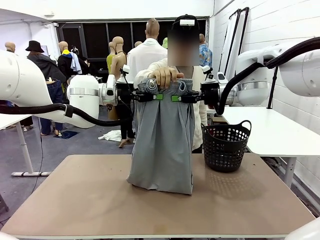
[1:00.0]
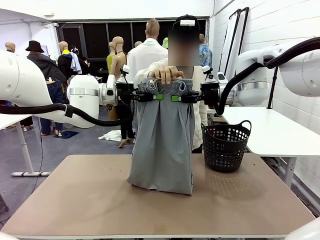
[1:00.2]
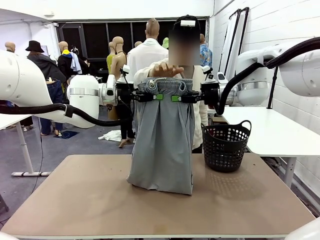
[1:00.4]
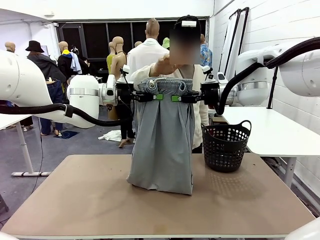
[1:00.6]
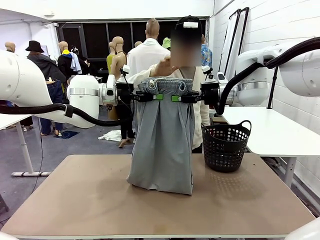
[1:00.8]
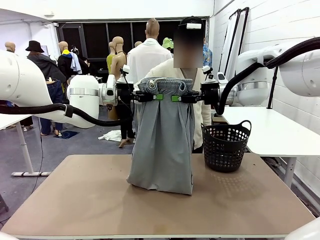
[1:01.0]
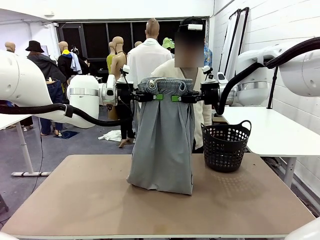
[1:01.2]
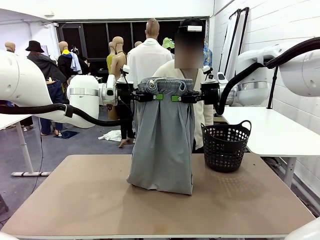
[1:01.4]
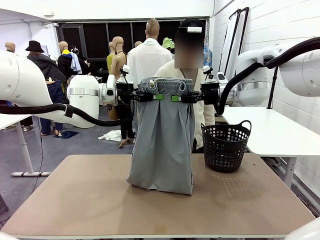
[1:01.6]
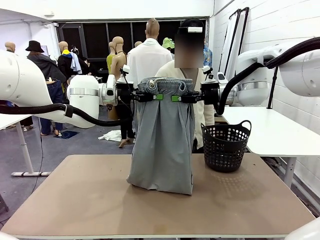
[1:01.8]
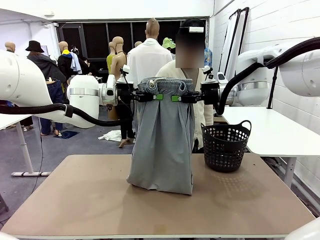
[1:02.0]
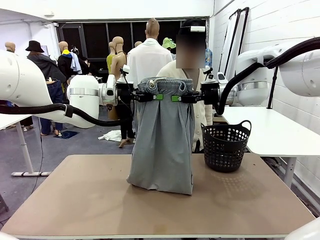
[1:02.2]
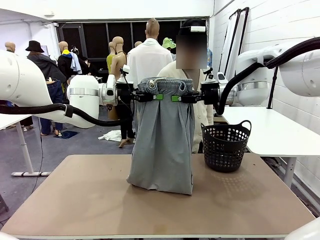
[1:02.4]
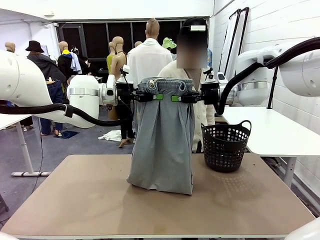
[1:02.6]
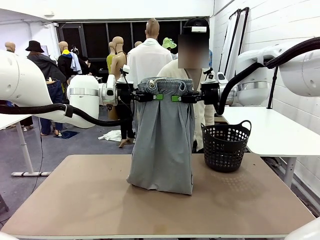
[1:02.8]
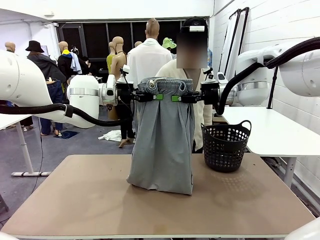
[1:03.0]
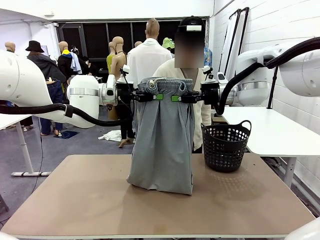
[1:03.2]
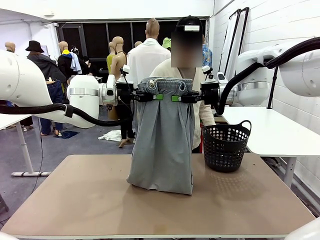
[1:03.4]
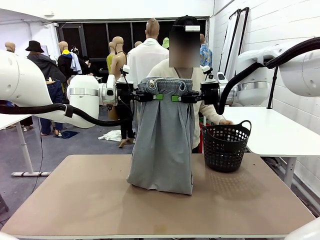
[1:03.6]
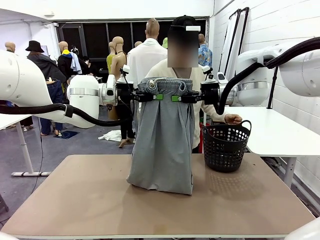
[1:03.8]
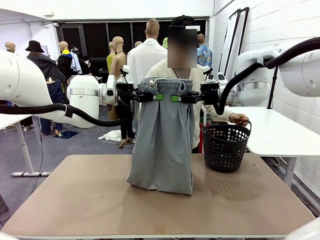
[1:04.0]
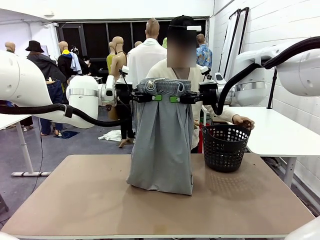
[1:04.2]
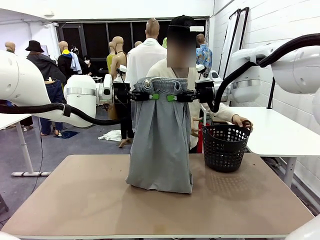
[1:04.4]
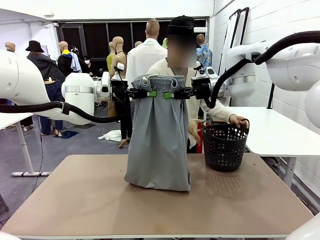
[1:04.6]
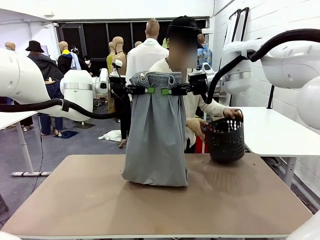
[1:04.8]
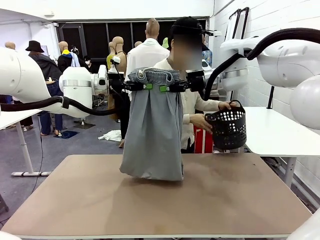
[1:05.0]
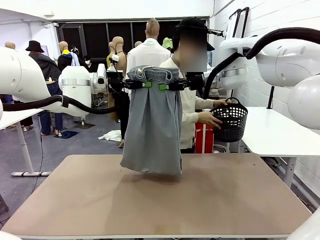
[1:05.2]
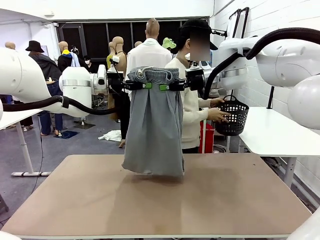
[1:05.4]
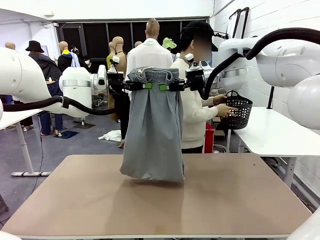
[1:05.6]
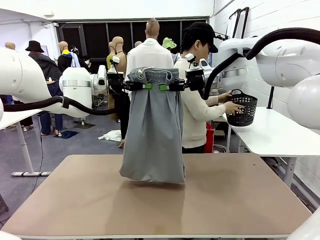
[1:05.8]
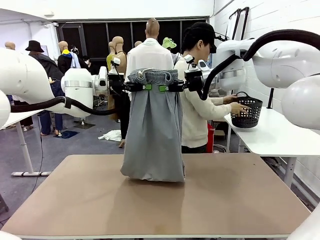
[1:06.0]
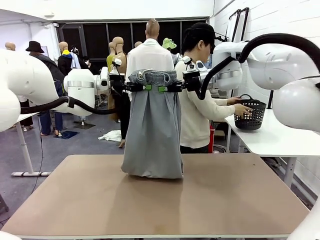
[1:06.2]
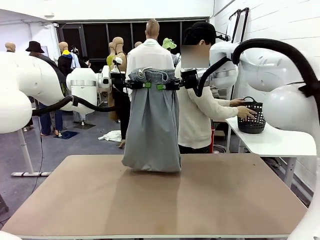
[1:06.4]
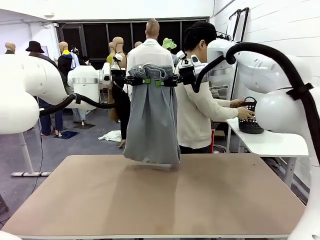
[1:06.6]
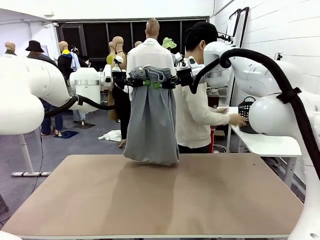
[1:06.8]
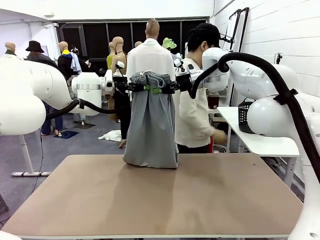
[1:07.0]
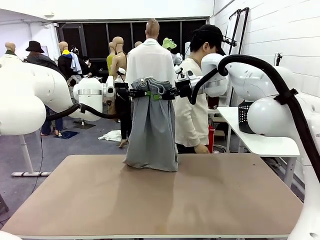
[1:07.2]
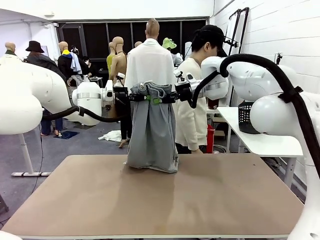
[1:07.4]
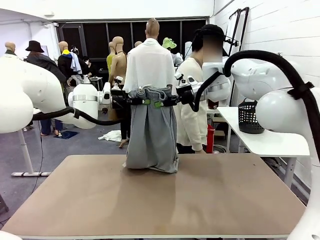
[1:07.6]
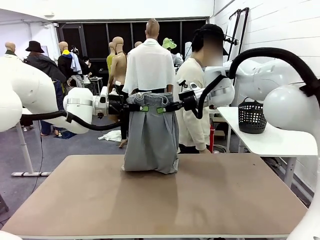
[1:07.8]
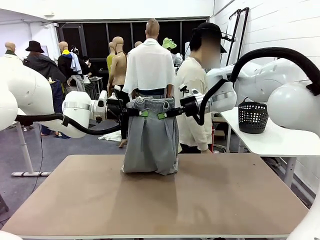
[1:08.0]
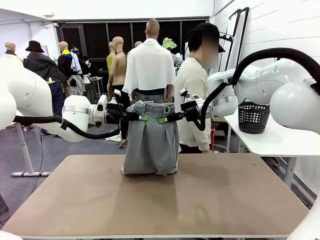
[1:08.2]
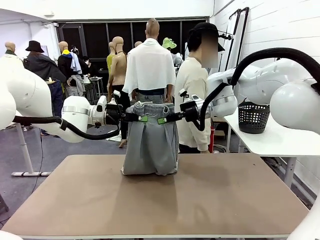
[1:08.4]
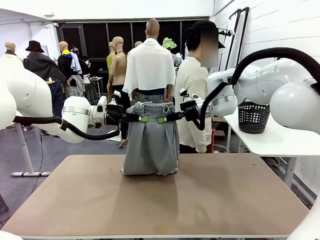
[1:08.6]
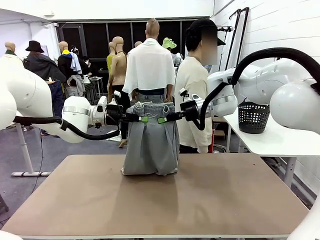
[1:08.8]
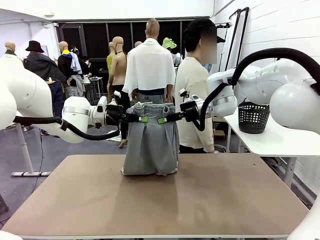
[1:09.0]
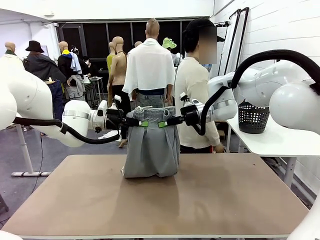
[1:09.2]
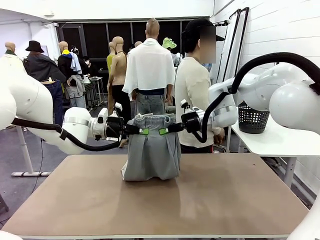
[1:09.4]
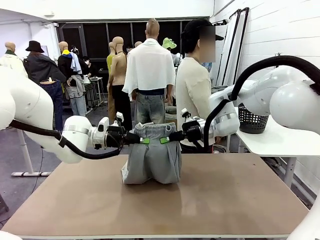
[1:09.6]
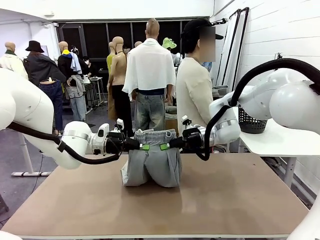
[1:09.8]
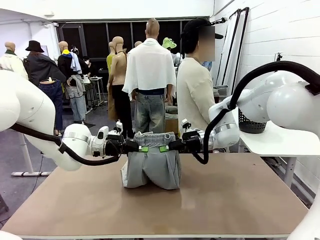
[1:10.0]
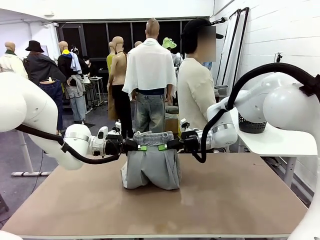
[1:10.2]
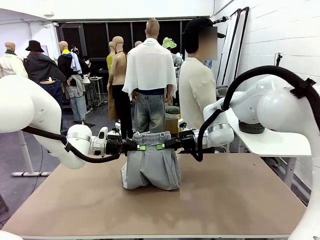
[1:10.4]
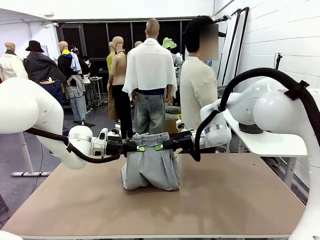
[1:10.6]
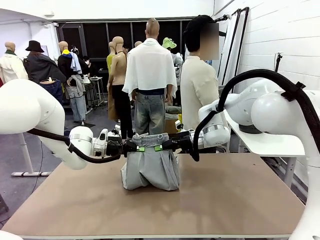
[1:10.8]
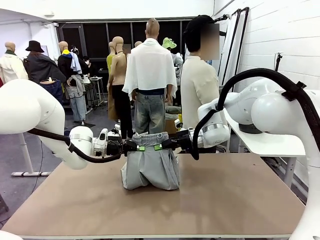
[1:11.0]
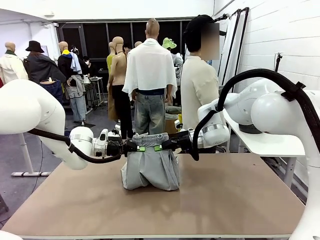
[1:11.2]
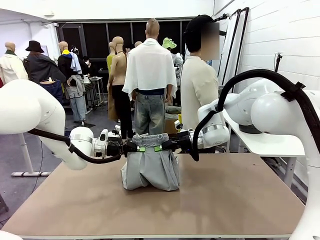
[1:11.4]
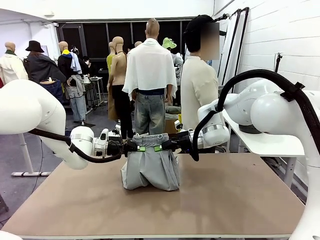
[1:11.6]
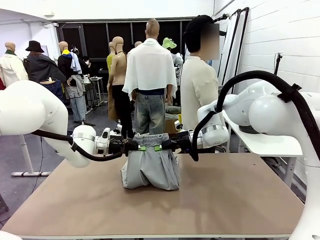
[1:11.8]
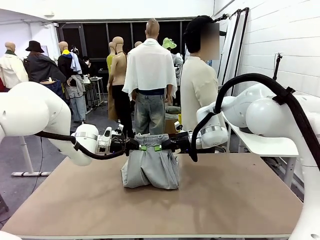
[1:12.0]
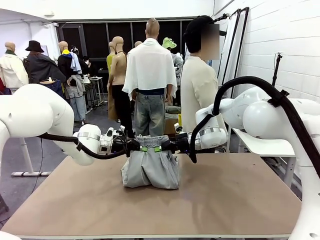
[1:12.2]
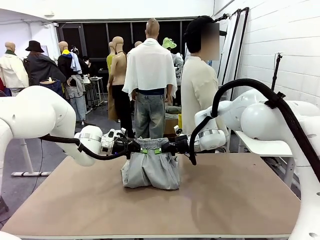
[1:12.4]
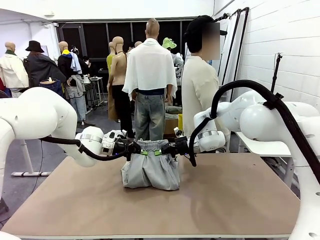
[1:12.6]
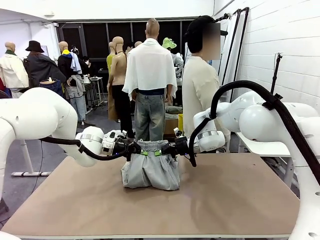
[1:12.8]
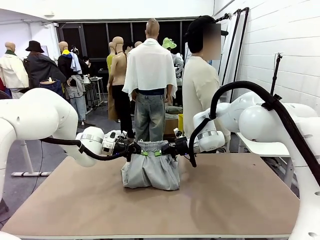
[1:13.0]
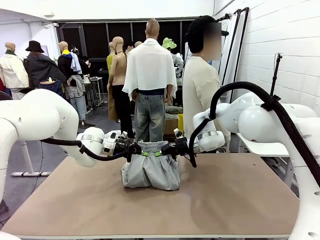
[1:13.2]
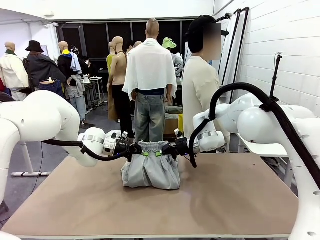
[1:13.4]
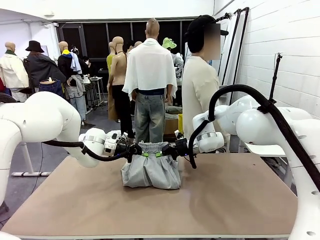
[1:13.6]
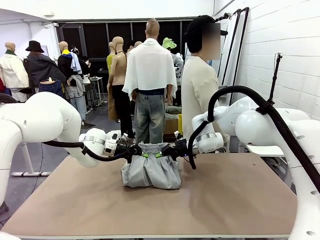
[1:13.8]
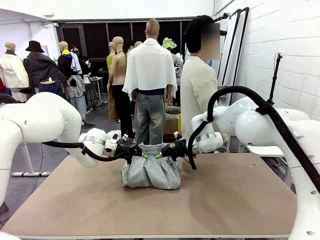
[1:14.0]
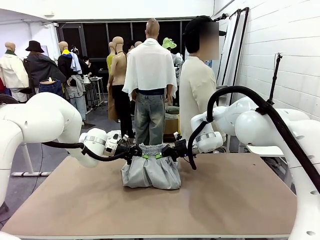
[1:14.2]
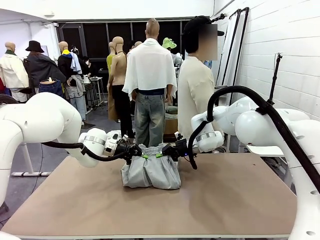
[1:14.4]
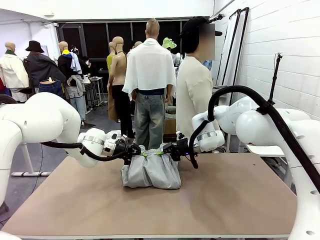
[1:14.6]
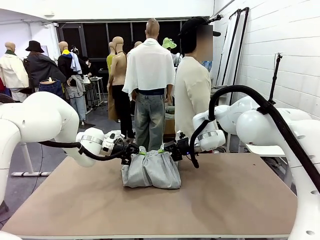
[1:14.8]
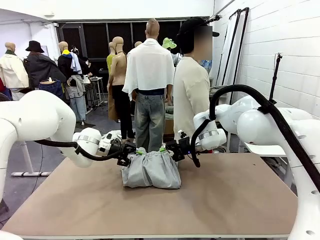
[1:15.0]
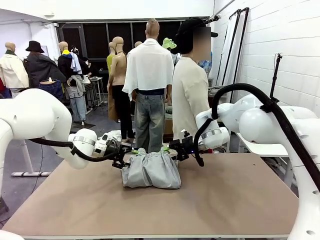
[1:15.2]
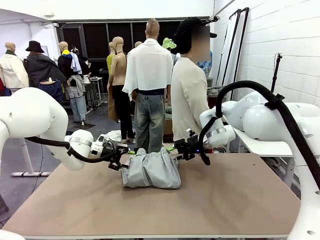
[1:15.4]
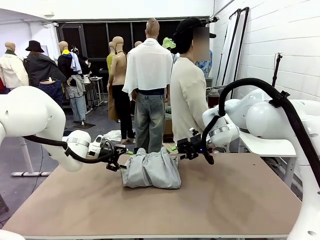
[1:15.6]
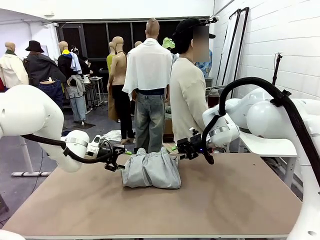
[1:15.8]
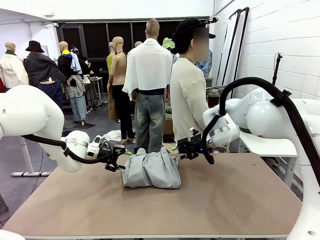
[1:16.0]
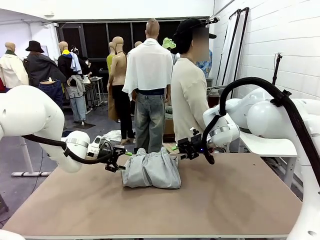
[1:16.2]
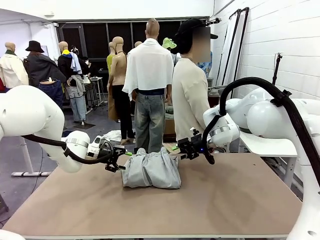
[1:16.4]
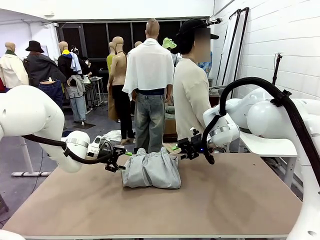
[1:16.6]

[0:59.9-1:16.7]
Task: Fold the training pants.
Robot: Fold the Training pants in half.
Person: Move the laundry basket to the right of the human table.
